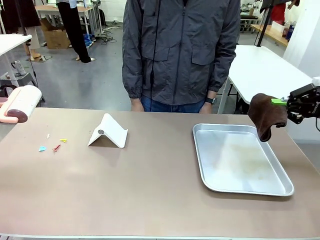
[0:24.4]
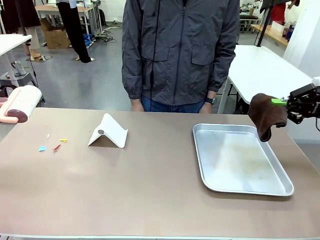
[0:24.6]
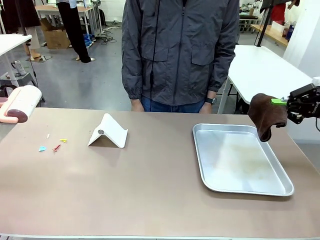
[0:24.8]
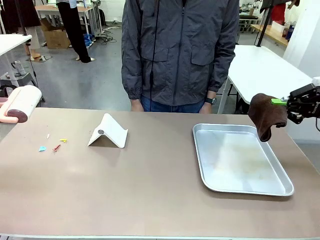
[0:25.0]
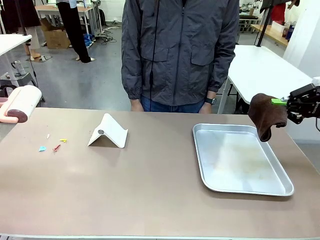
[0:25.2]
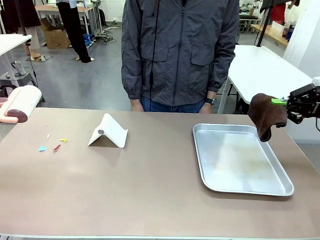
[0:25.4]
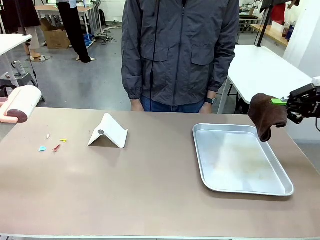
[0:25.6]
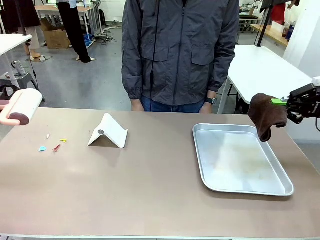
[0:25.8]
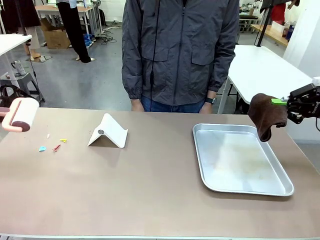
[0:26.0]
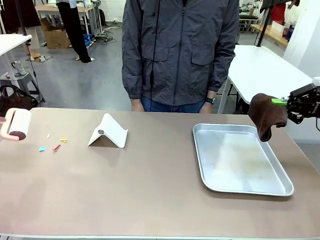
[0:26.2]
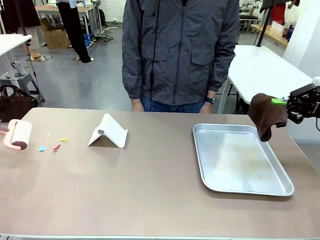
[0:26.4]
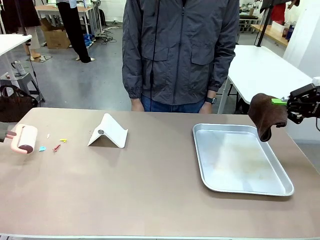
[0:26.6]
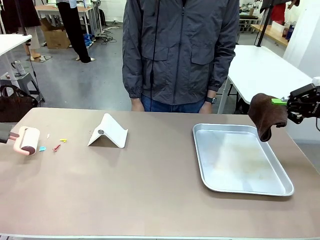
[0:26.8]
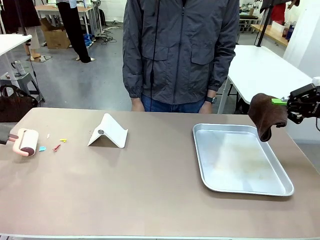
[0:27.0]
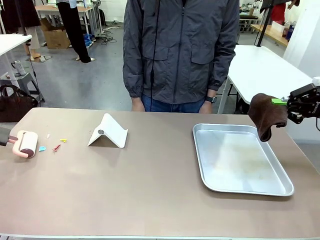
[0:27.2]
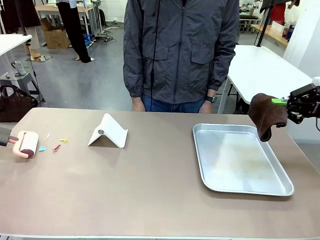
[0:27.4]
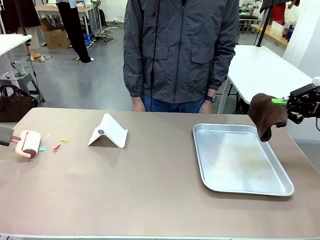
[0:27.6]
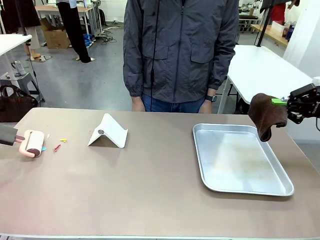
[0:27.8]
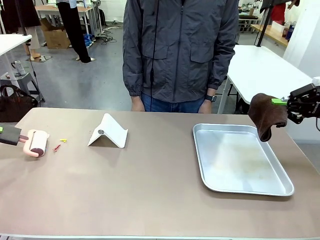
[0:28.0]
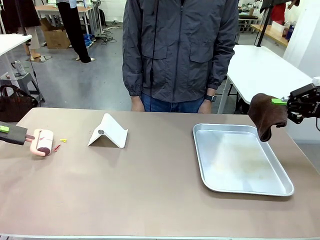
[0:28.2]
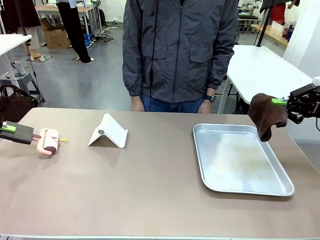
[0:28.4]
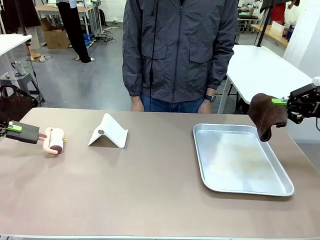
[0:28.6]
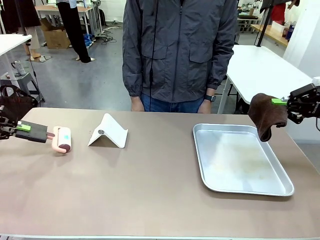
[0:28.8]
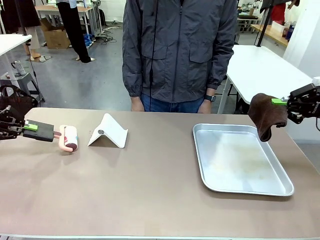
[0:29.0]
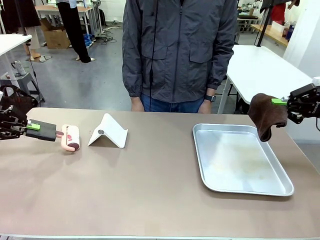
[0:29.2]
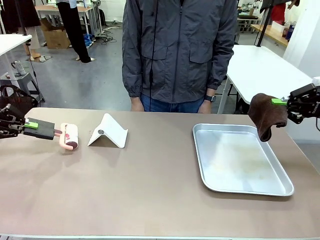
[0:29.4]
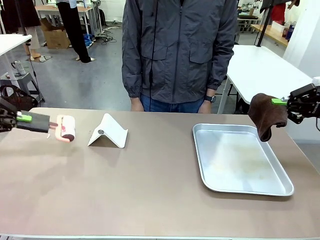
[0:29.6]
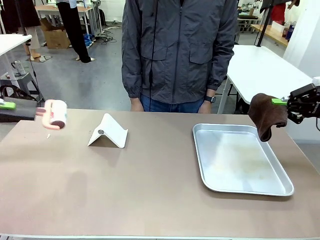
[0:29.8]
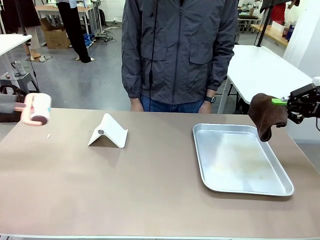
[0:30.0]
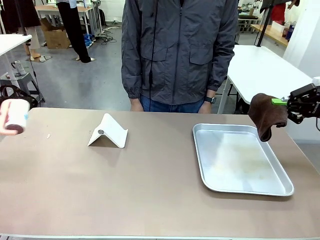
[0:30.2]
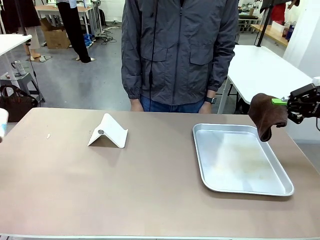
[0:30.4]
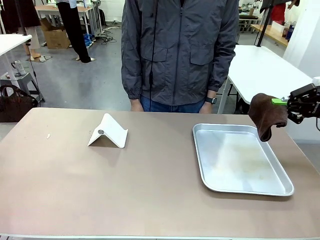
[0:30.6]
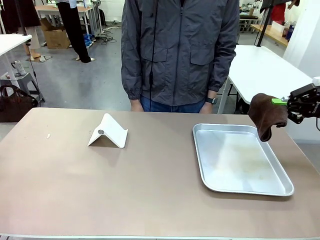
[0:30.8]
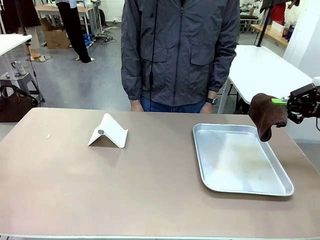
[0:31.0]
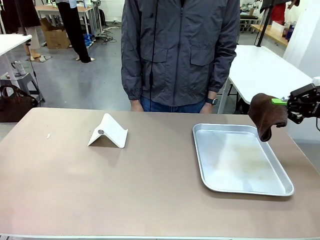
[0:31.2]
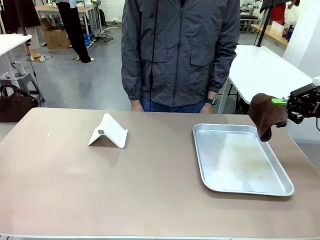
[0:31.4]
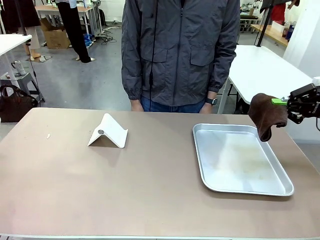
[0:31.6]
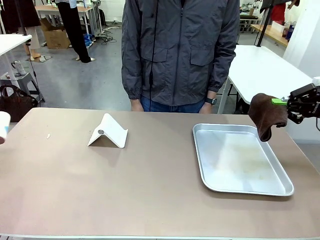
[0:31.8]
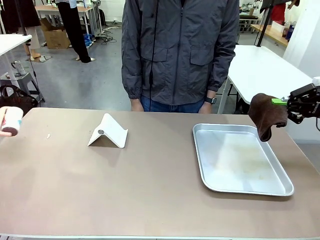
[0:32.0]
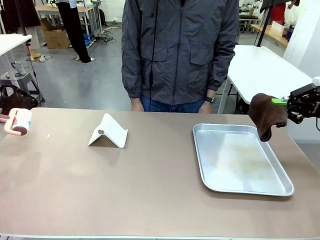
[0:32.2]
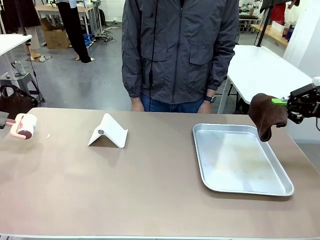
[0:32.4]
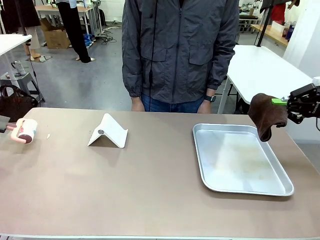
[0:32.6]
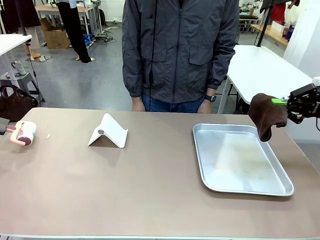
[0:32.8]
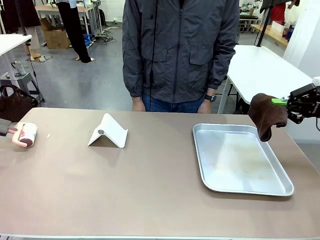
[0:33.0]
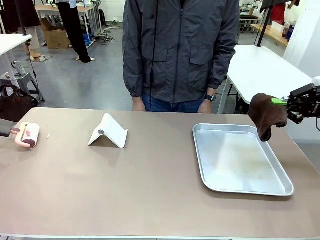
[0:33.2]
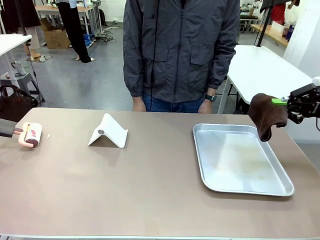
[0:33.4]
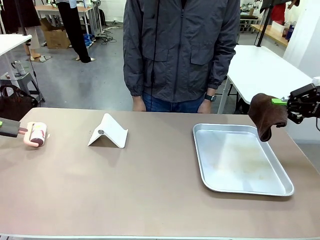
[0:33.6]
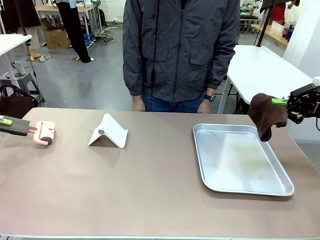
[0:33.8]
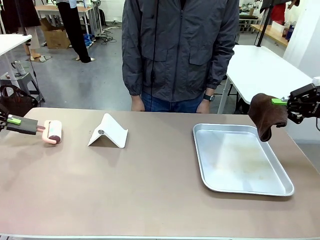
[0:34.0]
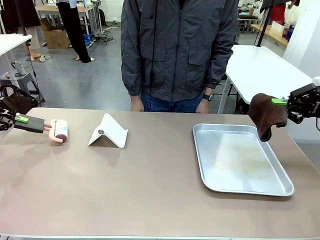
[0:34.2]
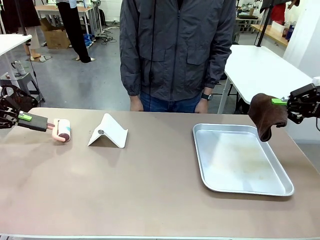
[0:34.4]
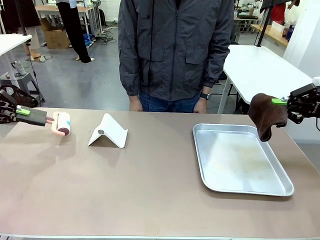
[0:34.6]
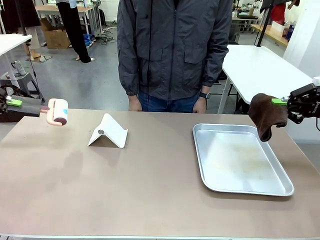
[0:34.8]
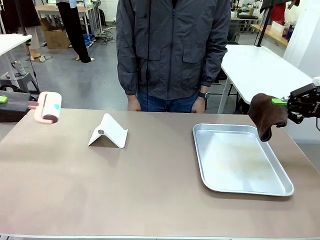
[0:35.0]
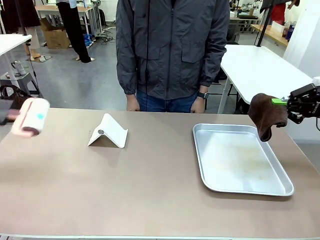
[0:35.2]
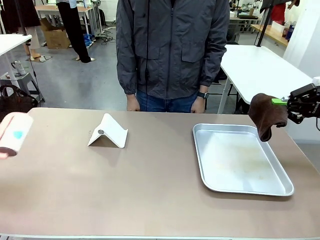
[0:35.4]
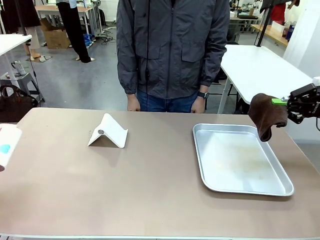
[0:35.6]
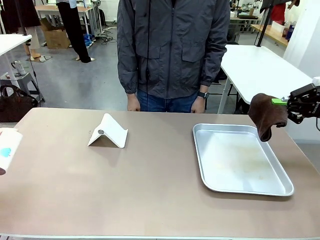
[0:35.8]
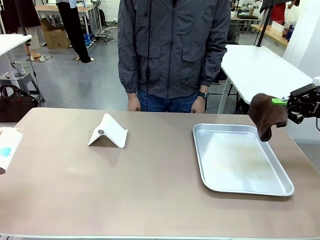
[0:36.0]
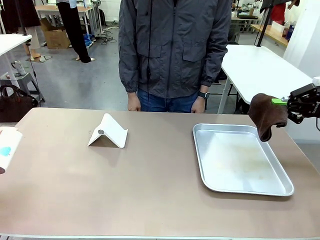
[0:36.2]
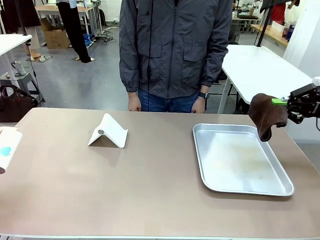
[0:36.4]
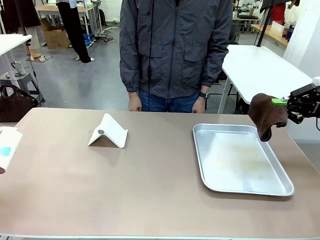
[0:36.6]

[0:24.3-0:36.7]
Task: Clean the surface of the table.
Robot: Clean the area not pointed to by the person.

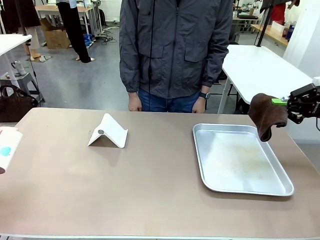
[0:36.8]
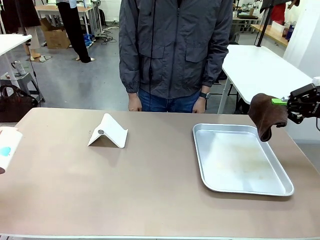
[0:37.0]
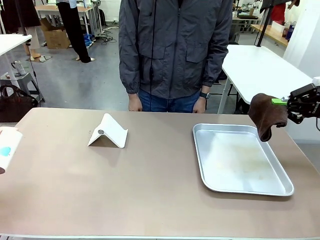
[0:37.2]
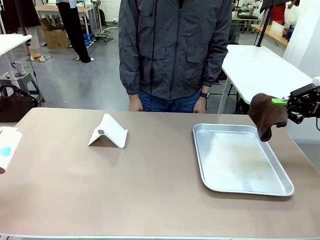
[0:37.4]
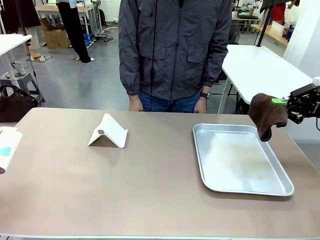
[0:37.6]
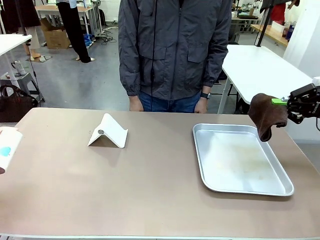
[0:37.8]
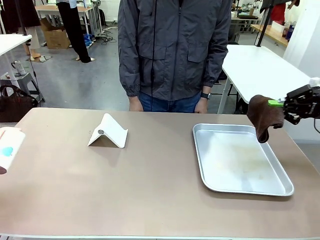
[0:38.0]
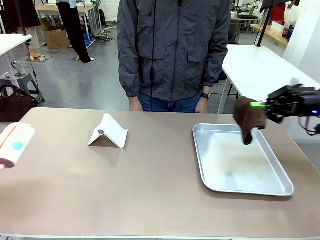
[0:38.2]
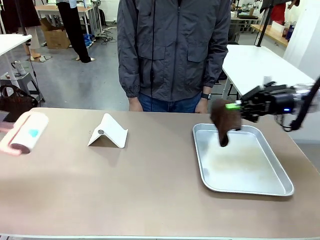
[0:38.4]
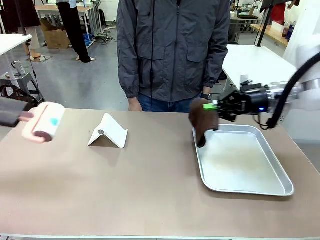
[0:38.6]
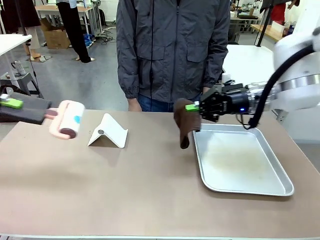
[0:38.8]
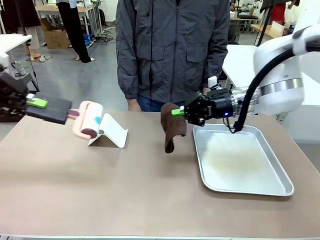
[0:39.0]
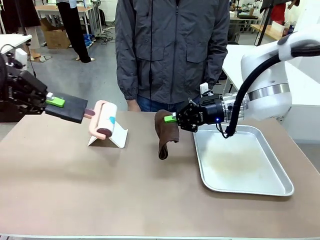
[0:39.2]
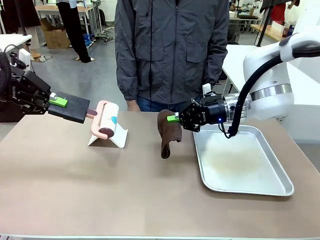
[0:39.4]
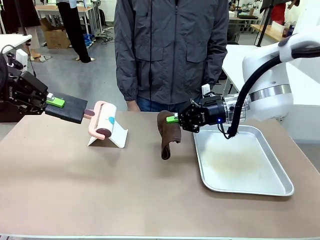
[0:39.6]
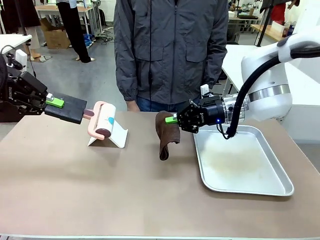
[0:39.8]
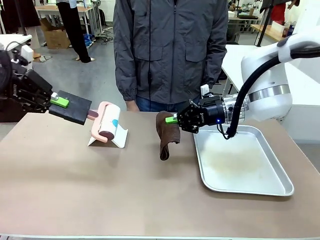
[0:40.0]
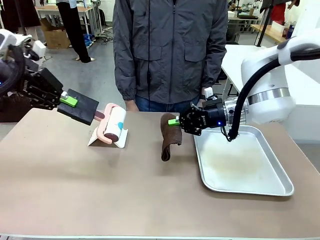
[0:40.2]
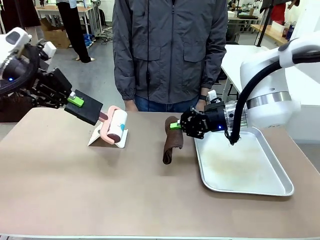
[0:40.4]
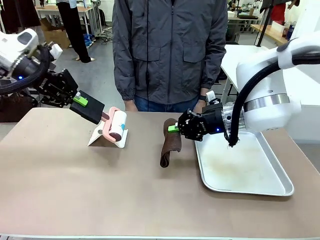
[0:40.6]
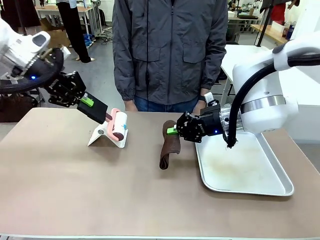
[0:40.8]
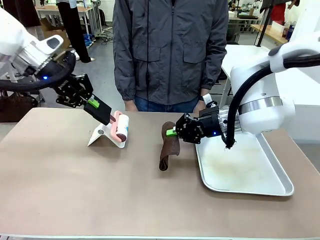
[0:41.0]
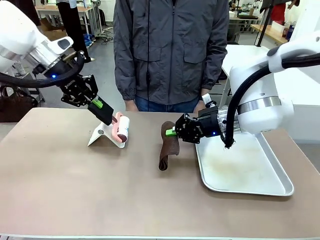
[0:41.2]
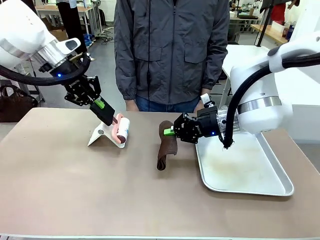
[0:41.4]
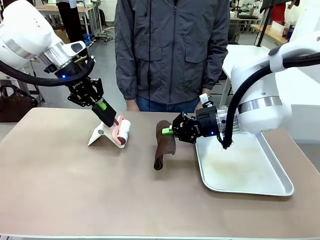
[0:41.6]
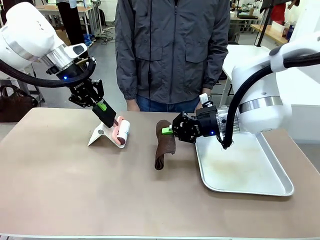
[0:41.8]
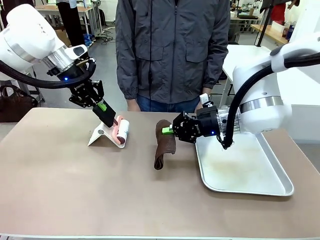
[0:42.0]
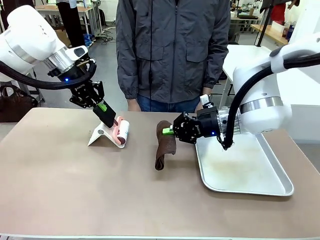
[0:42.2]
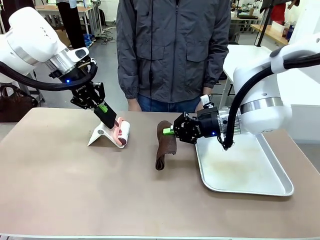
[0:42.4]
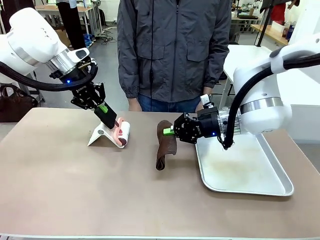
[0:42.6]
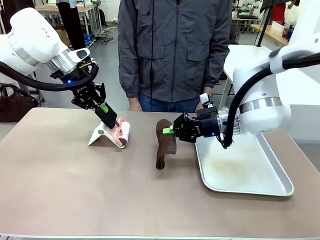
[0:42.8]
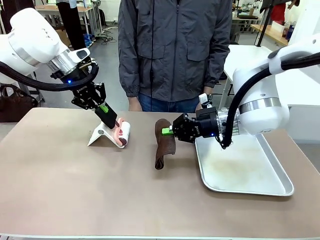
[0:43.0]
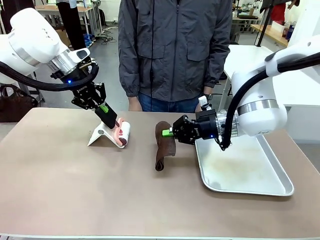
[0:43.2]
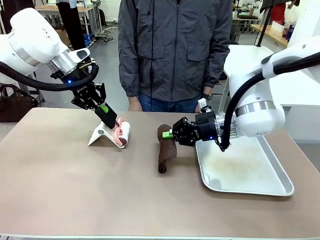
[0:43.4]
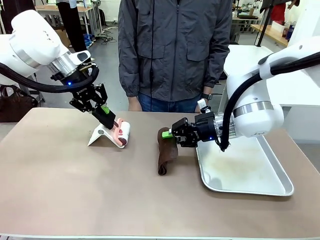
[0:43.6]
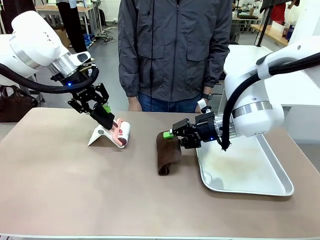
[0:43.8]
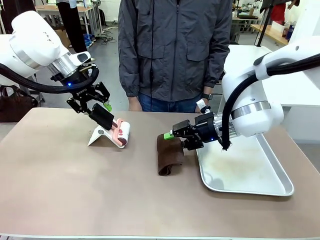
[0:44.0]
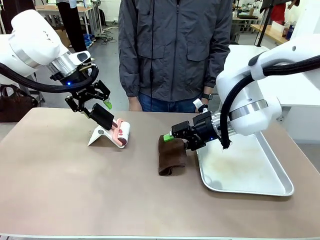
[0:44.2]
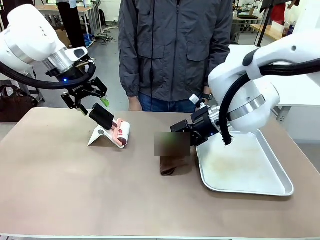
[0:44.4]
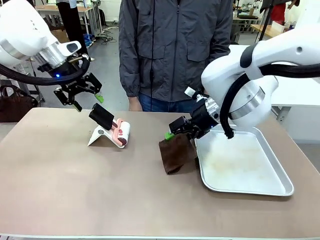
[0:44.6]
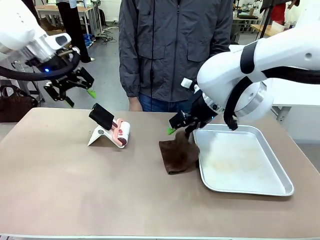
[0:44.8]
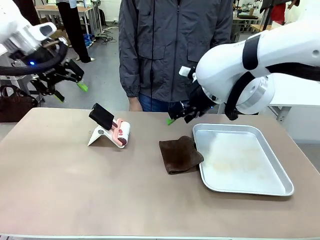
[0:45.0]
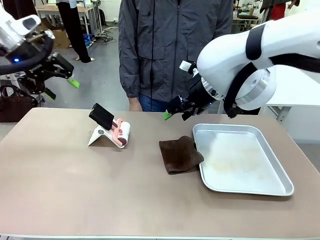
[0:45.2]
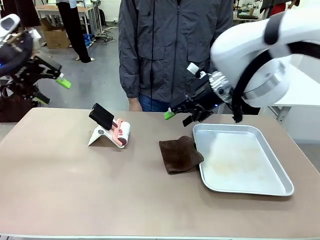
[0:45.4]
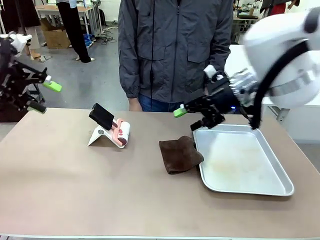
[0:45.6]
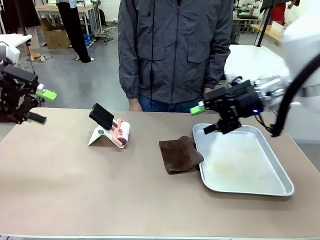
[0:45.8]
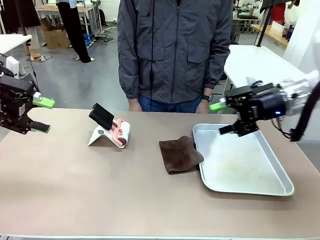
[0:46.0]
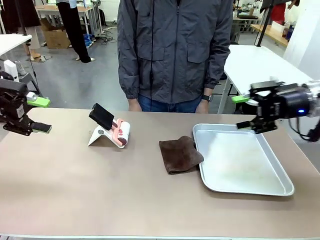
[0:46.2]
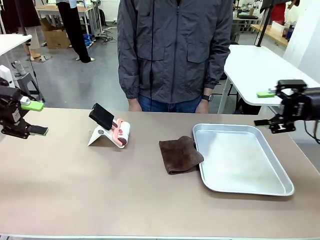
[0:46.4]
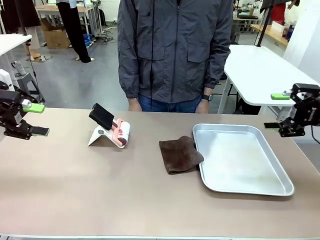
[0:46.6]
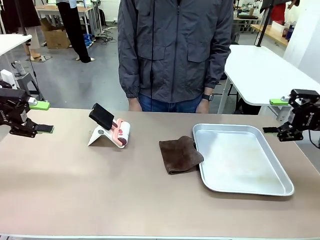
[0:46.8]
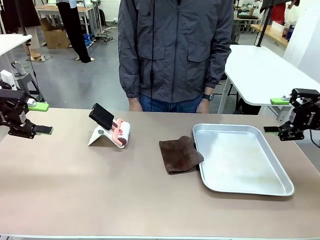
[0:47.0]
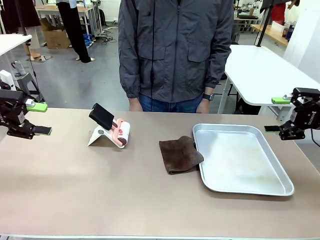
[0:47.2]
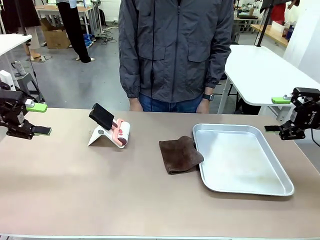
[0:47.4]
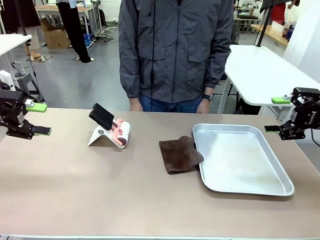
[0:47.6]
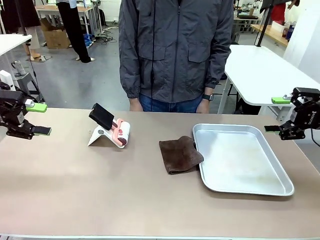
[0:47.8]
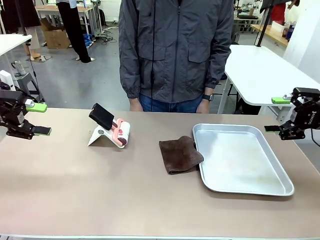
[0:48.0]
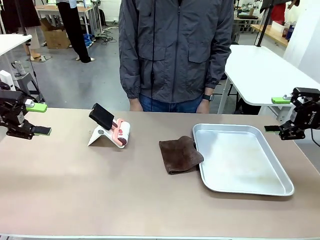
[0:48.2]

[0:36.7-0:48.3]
Robot: Return the Lint Roller and towel to their original positions.
